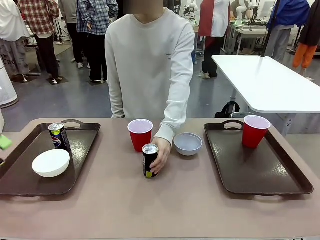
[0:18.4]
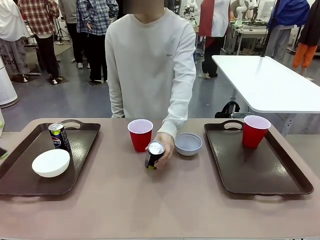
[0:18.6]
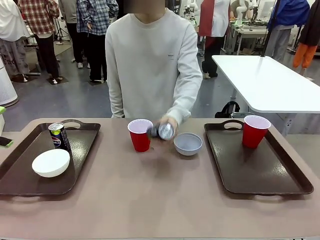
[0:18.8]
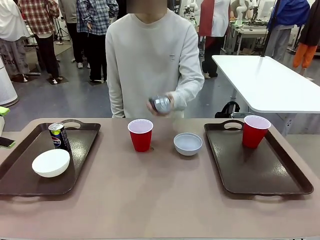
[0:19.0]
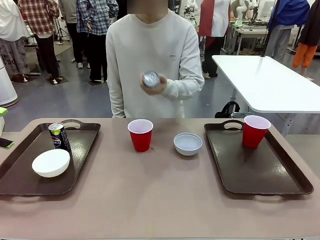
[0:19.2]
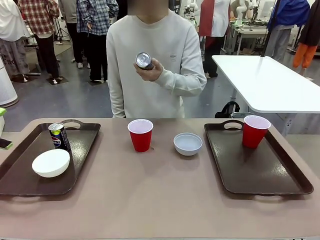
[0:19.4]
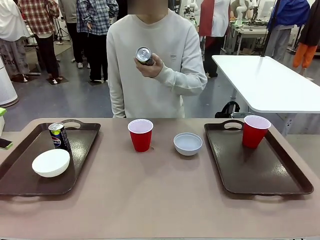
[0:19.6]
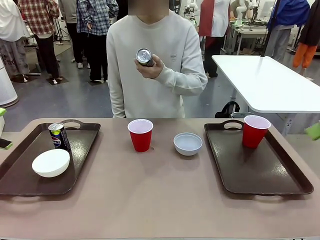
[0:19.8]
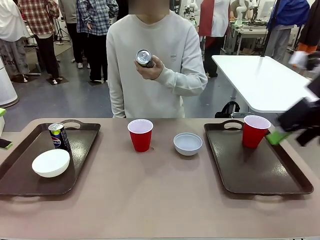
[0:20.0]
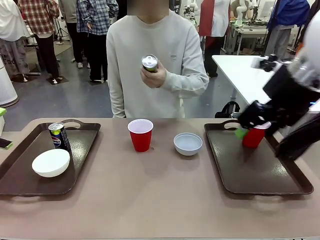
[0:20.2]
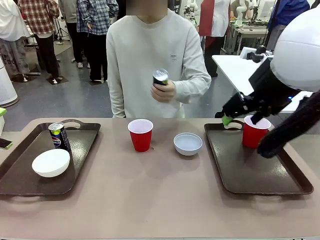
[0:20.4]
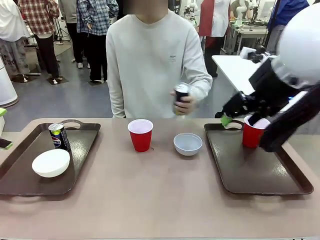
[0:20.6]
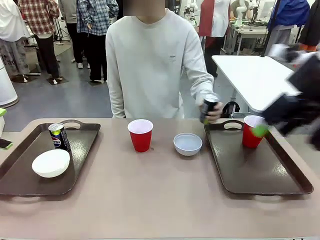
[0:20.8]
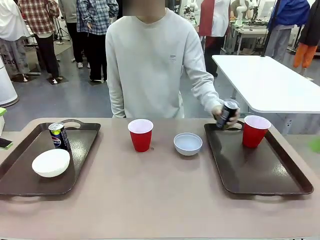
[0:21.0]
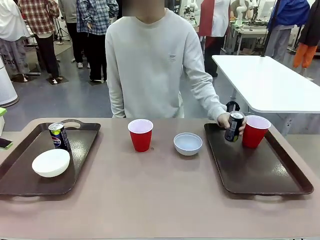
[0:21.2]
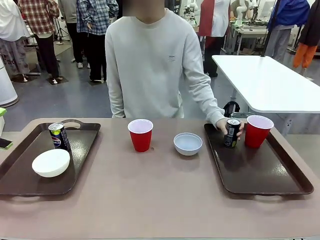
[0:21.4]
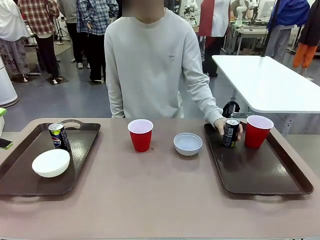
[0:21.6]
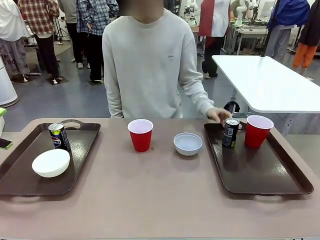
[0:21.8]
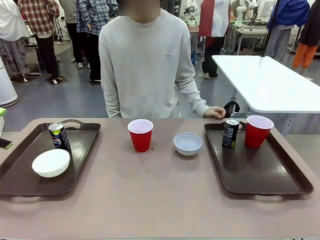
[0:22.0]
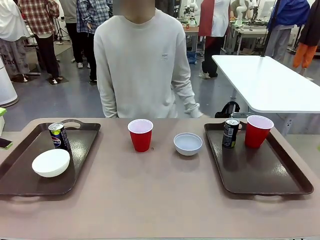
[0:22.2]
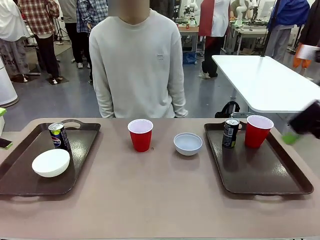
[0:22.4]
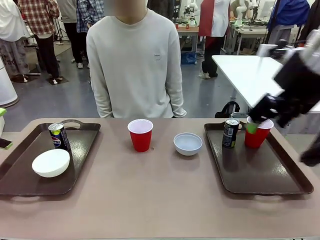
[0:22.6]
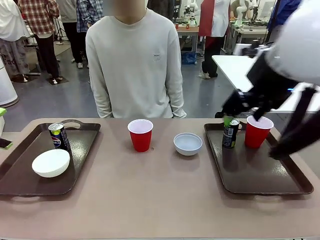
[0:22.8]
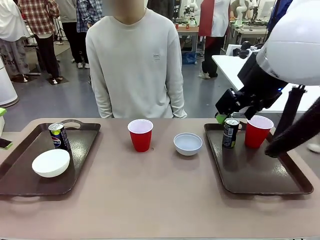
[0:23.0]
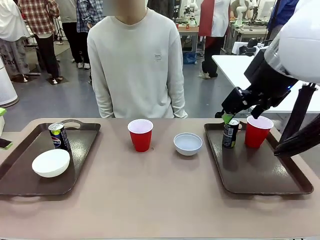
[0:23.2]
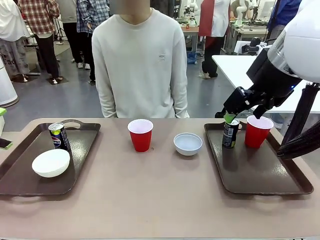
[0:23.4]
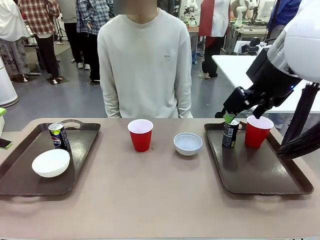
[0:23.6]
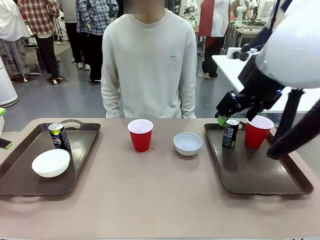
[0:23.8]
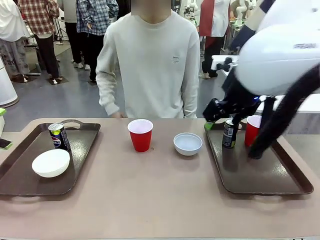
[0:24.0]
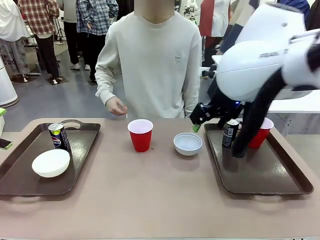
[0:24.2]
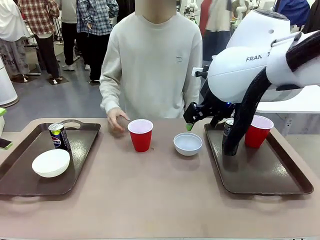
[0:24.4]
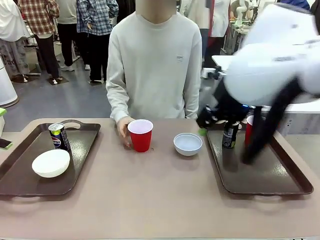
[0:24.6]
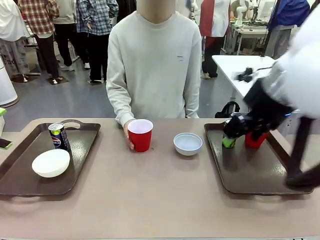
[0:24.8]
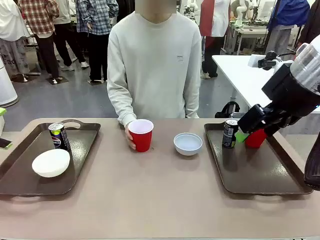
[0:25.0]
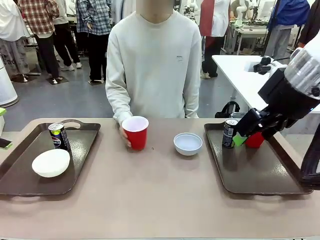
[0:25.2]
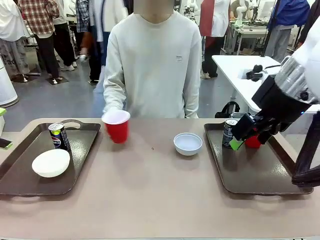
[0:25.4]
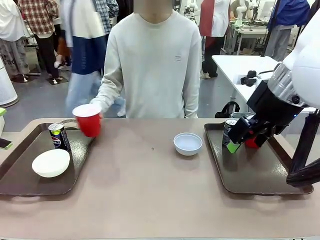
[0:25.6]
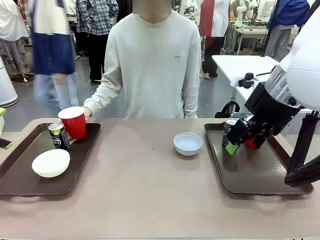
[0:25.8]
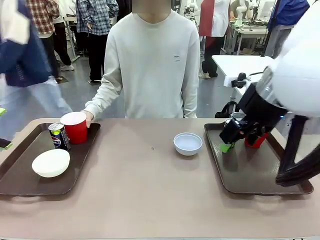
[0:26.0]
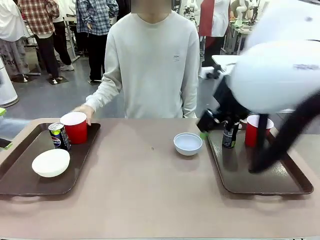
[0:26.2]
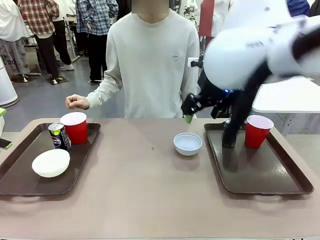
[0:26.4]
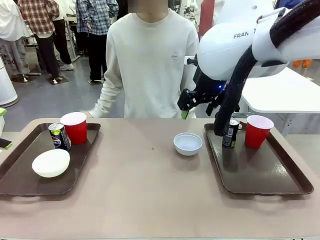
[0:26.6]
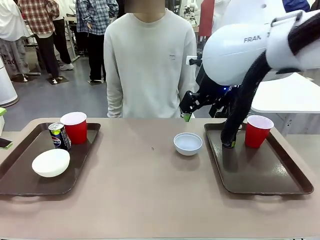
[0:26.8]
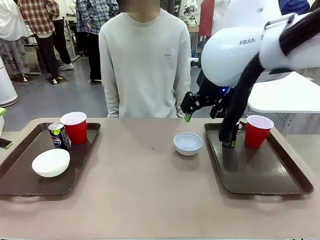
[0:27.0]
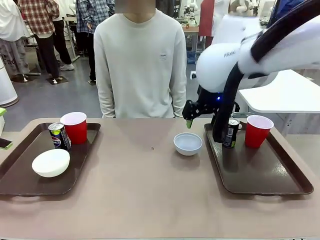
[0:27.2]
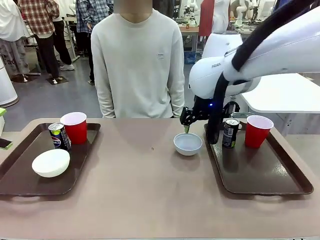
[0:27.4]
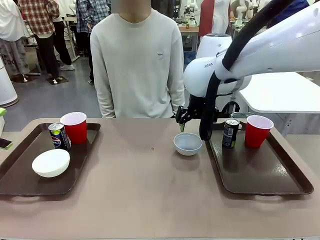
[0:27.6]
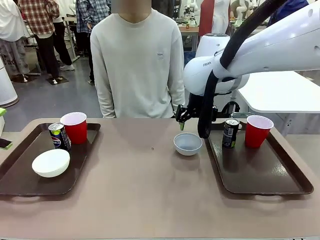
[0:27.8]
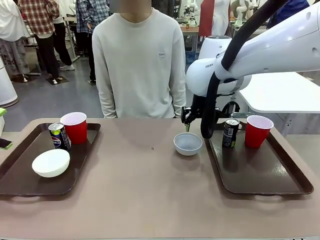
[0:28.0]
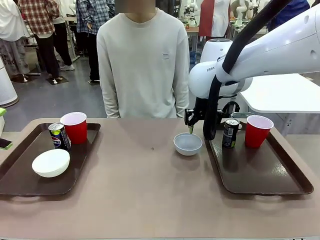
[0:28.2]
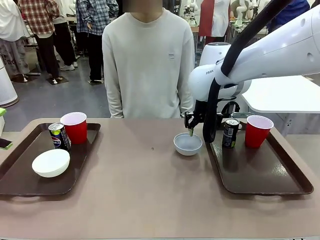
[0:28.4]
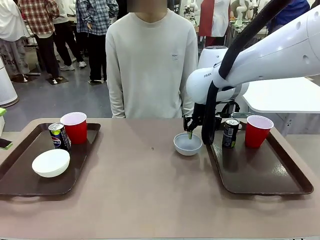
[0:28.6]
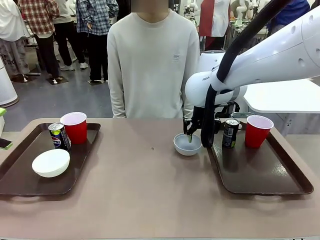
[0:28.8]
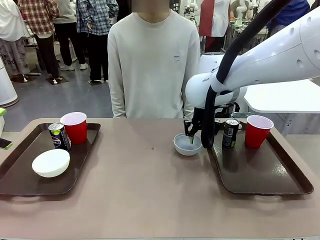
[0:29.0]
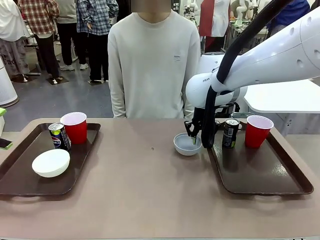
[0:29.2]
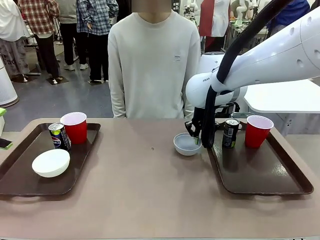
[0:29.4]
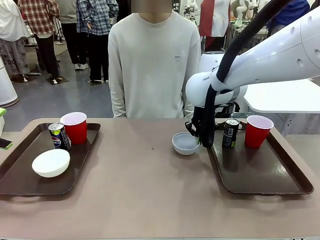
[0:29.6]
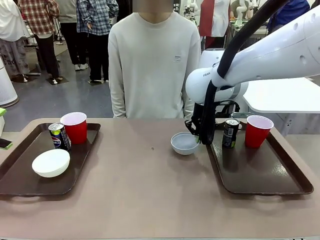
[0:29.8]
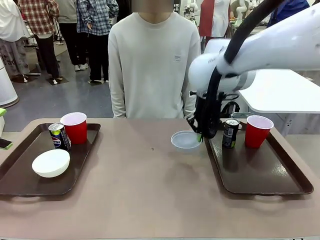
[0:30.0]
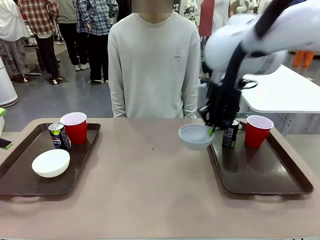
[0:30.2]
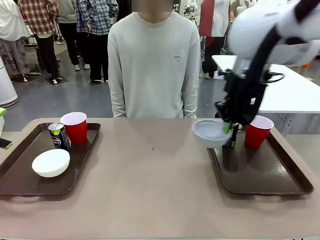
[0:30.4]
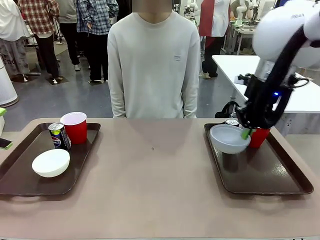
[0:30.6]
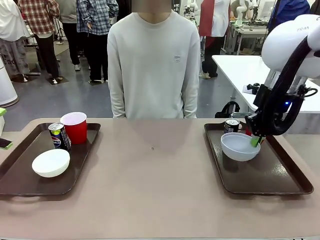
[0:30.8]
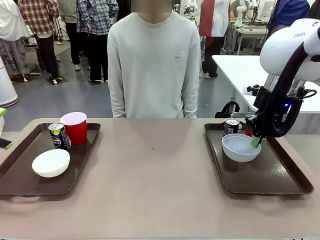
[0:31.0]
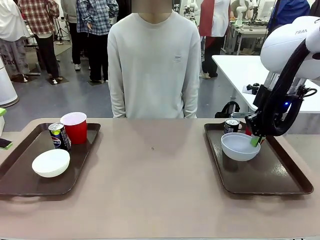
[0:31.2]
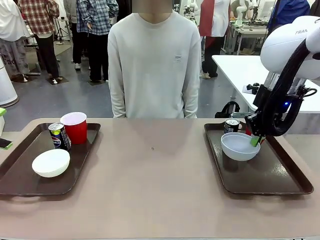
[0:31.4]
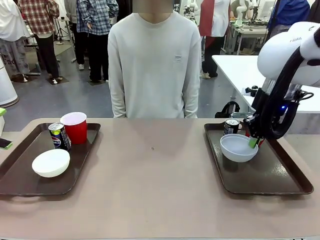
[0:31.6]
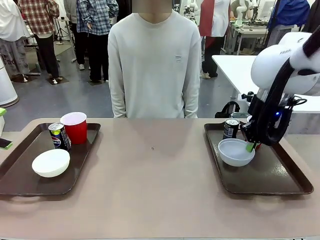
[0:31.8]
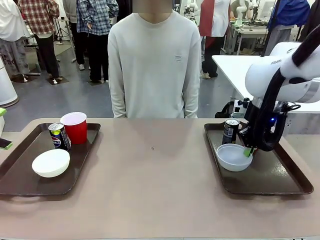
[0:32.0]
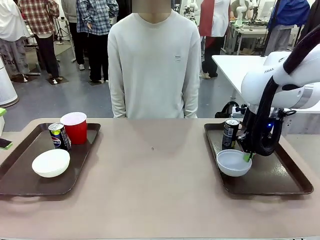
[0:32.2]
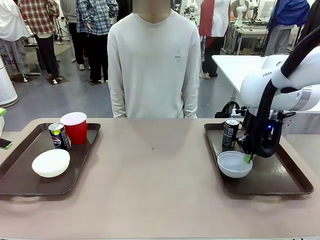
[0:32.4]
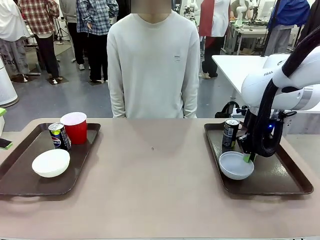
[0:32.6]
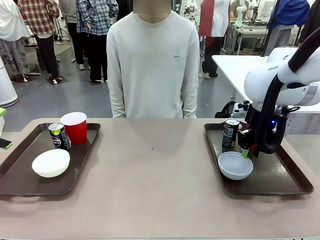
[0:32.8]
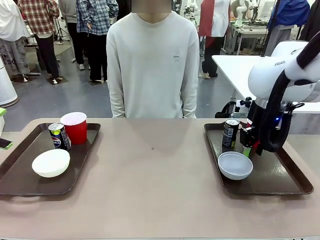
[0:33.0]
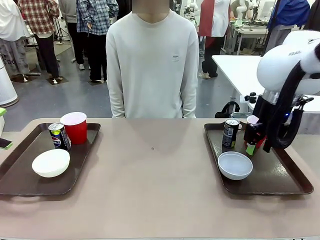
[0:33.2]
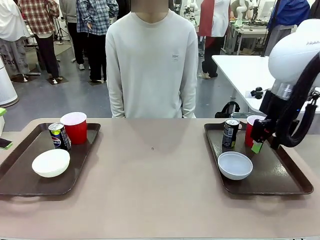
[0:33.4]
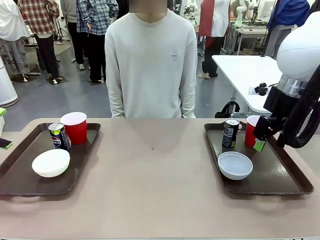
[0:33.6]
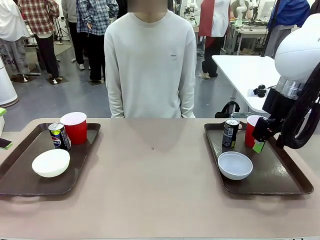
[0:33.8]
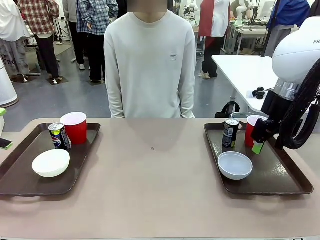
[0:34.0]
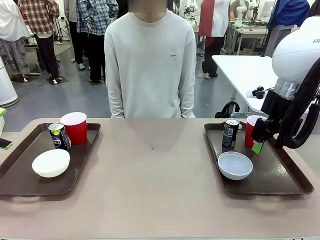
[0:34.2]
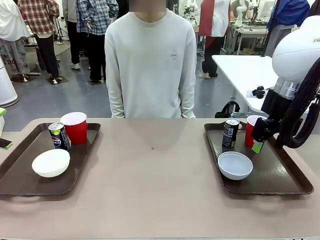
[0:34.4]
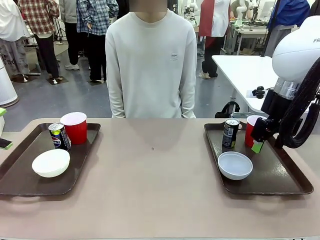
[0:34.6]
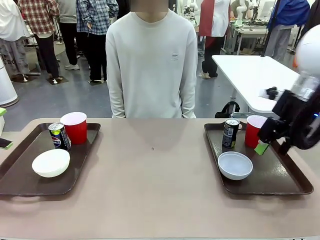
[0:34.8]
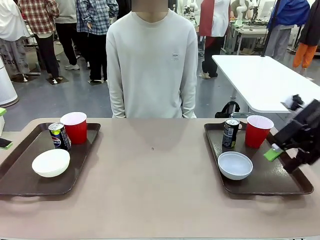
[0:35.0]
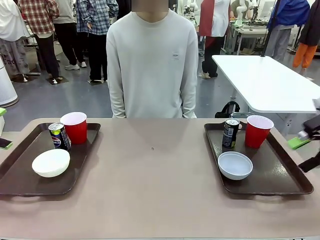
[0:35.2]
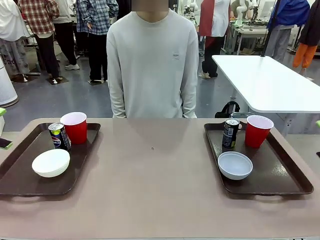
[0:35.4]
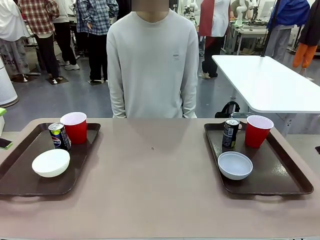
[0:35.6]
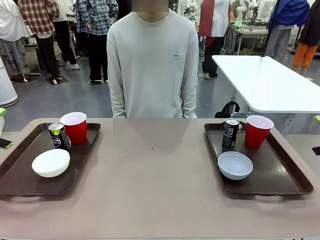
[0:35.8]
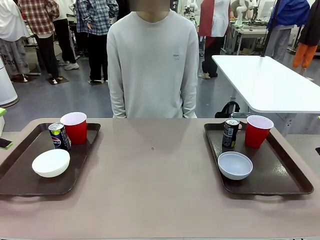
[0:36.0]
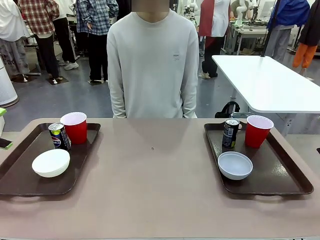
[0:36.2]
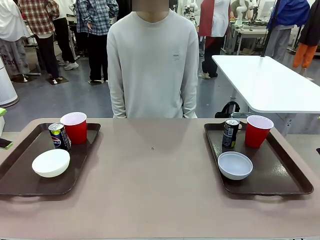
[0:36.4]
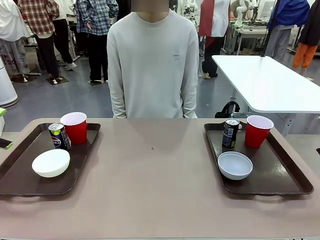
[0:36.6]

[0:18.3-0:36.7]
Task: Prepare tableware on both trays.
Robot: Pick up a Picnic Bowl from the table and place it on a Handle tray.
Person: Pick up a can or cup and place it on the tray without a can or cup.
